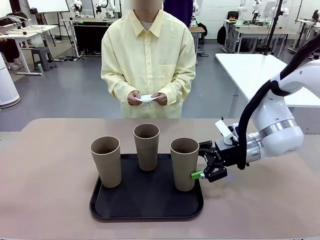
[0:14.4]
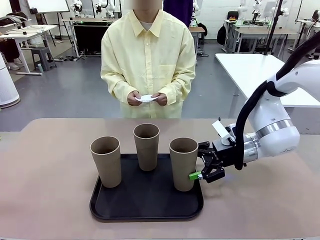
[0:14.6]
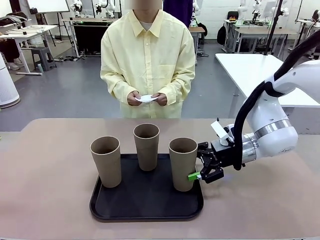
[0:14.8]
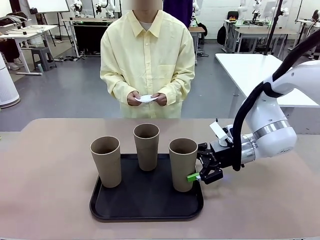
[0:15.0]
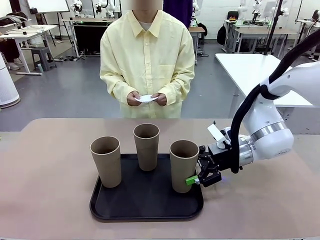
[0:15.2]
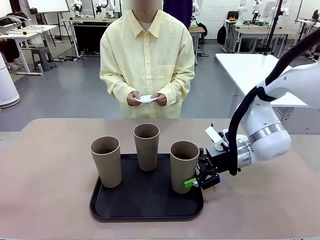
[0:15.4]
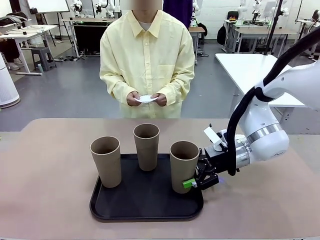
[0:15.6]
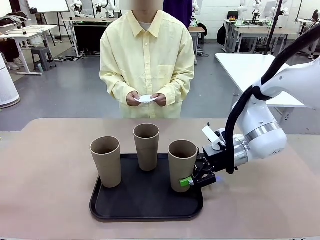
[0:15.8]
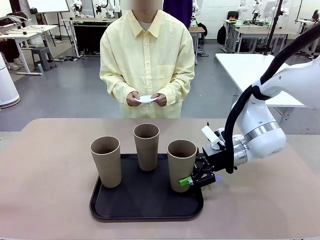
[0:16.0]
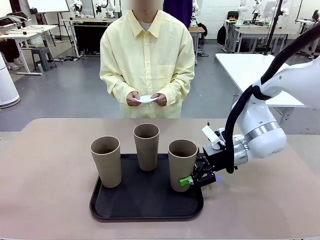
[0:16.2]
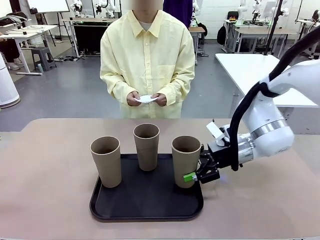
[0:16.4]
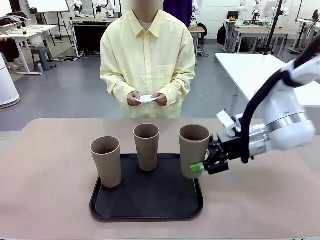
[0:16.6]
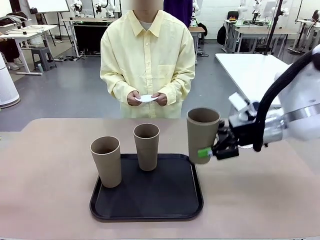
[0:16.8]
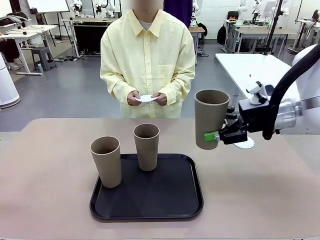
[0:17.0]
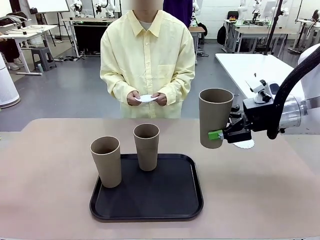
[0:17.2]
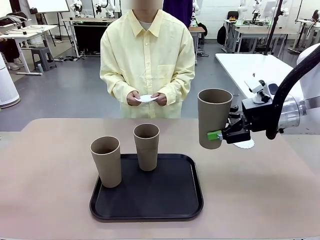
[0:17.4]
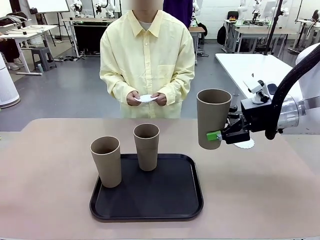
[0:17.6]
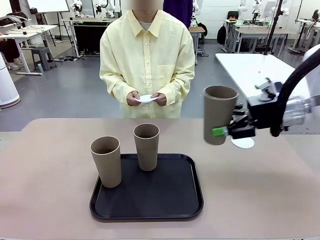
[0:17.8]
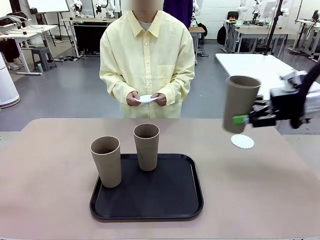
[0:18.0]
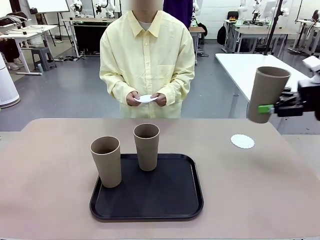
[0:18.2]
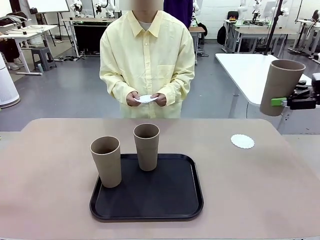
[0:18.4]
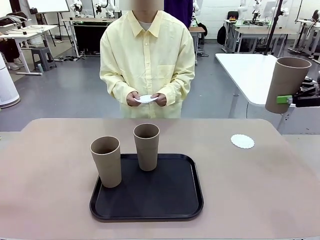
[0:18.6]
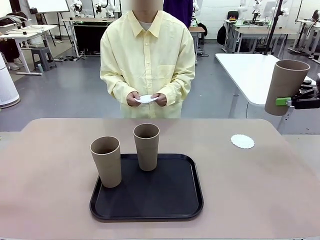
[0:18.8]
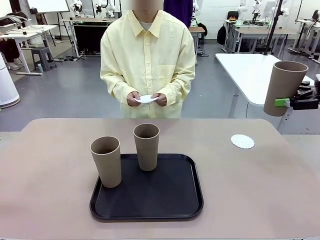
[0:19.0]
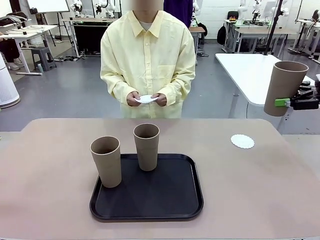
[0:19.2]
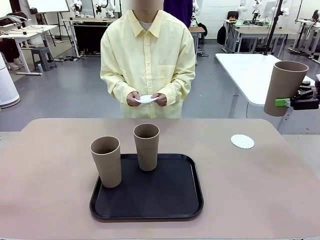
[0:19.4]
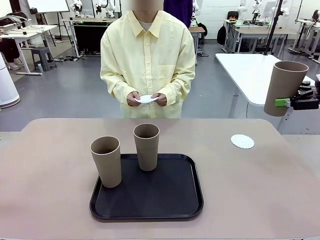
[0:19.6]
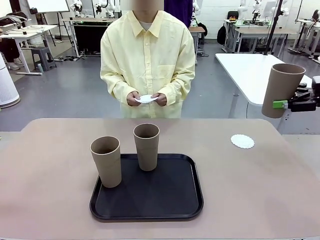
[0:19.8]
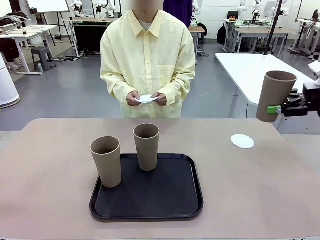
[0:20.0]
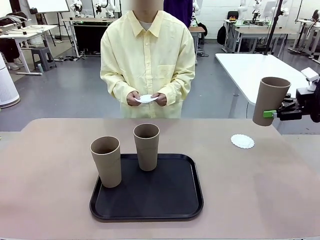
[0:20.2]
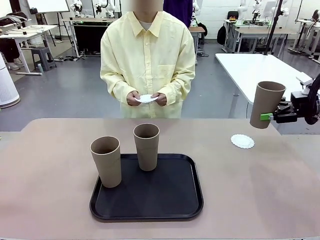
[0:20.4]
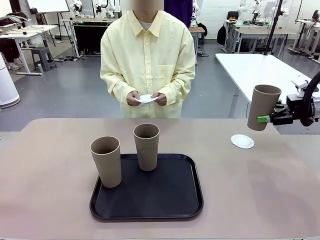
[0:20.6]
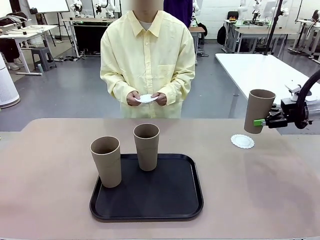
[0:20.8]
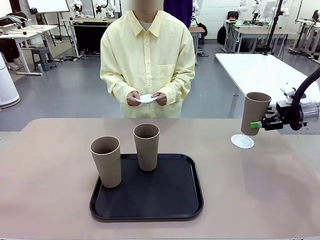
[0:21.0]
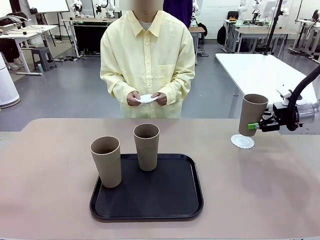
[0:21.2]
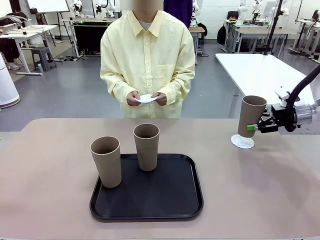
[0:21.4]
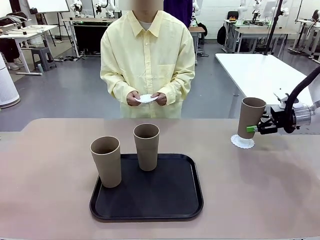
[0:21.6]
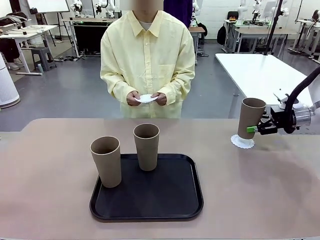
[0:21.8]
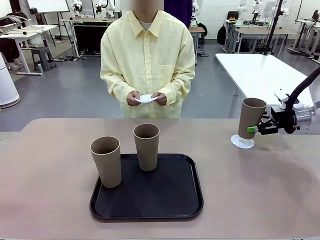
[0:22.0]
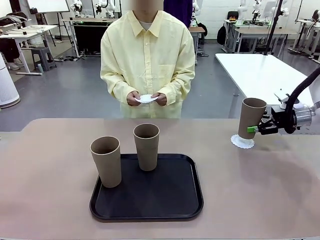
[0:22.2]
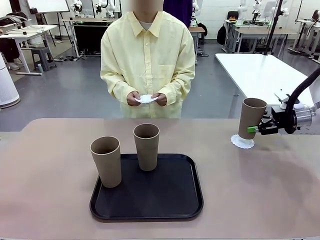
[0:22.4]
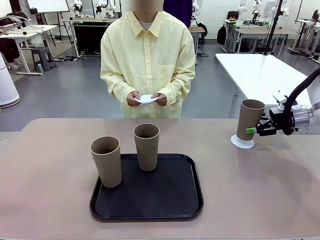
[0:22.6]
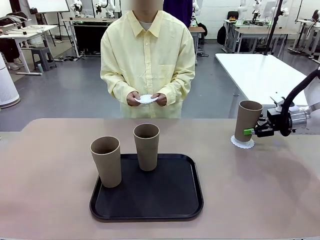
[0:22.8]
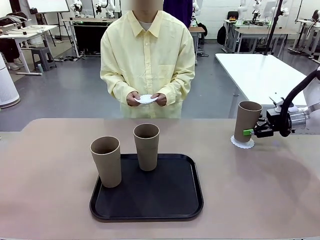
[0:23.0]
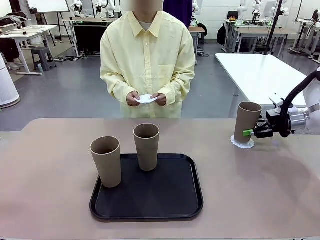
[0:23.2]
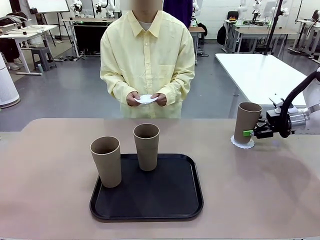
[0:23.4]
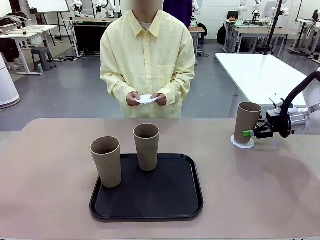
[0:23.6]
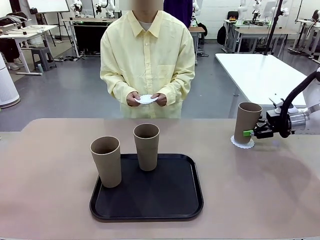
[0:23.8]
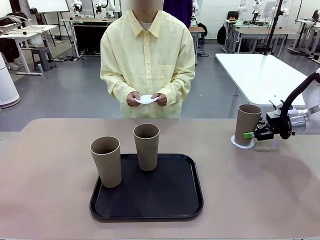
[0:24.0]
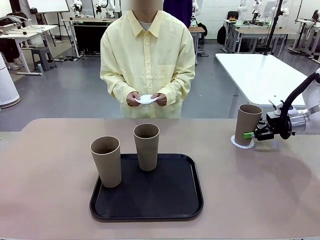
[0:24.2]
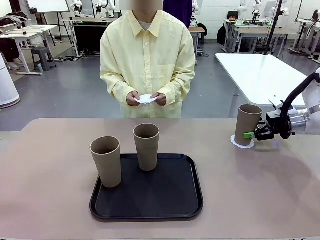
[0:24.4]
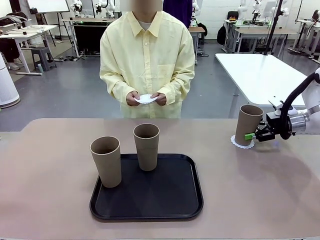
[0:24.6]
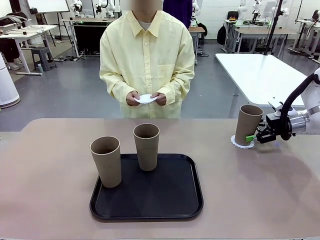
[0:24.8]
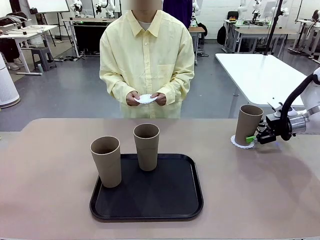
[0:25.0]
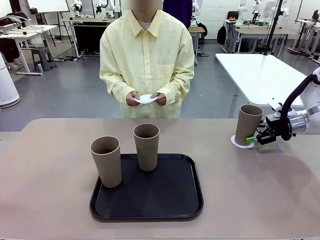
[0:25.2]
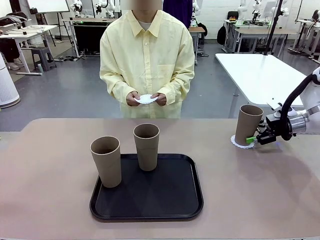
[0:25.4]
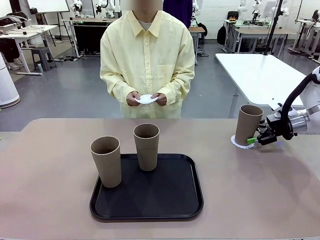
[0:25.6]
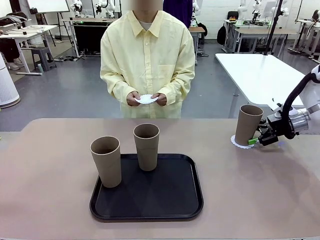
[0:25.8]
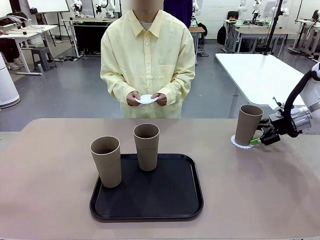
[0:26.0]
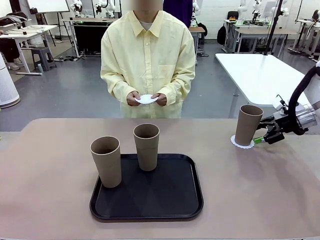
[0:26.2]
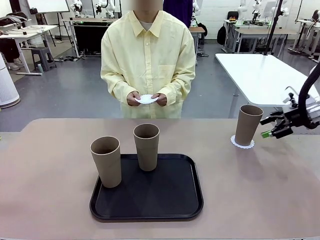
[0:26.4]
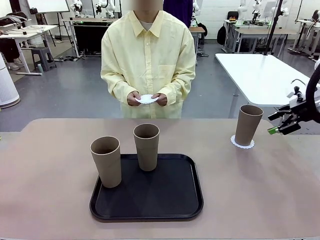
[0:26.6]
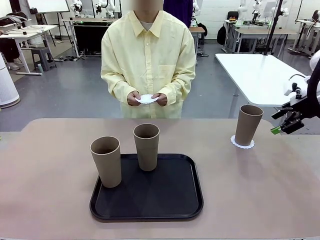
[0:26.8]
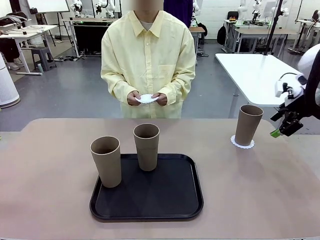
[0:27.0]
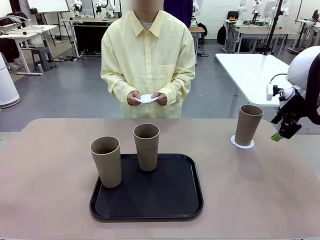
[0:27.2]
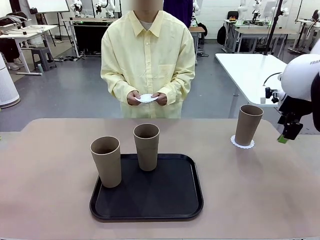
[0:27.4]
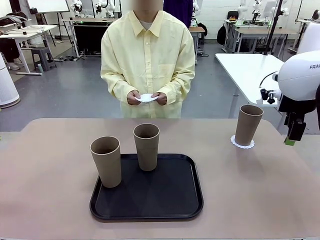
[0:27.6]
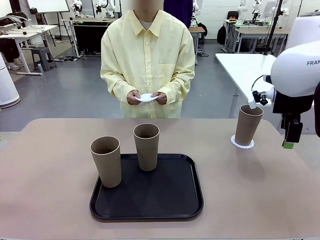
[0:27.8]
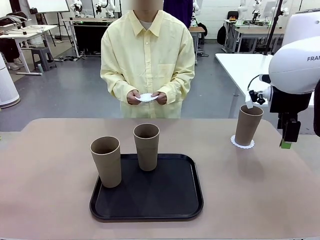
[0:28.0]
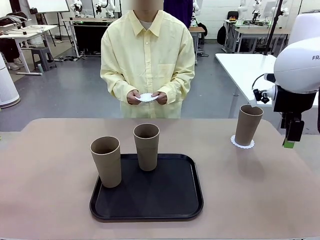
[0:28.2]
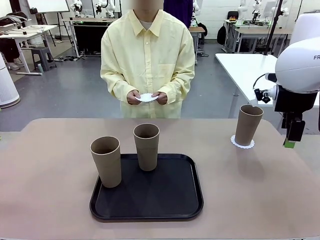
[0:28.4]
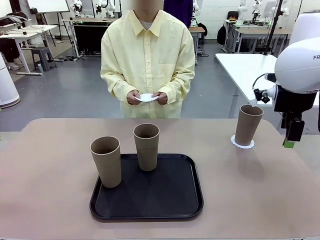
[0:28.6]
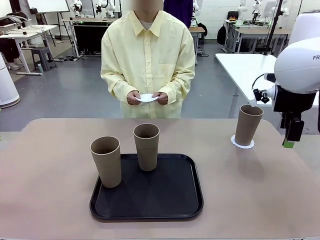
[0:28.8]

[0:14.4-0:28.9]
Task: Place coasters on the table and set cups on them.
Robot: Pick up one Reusable plastic cup and place it on a coaster set by the human.
Person: Place one coaster in one of the two areas excluding the previously selected area.

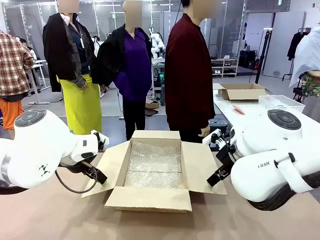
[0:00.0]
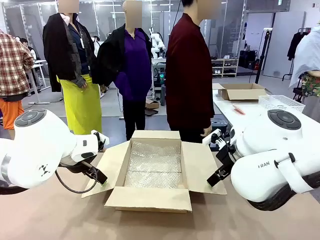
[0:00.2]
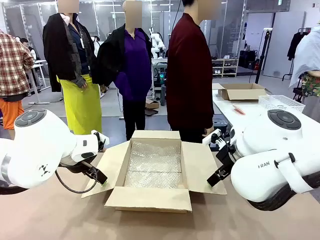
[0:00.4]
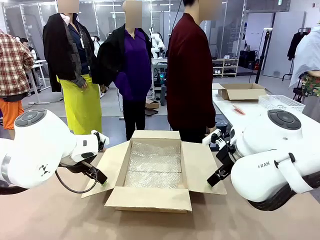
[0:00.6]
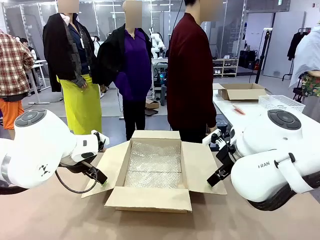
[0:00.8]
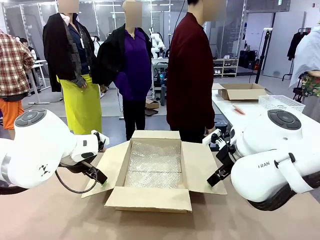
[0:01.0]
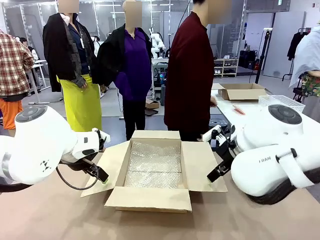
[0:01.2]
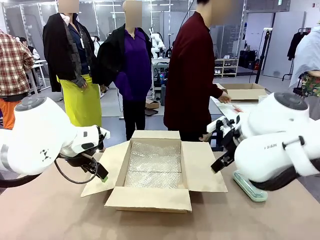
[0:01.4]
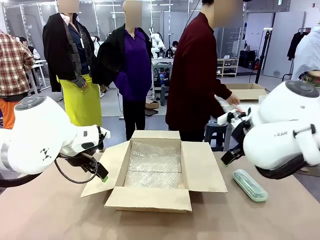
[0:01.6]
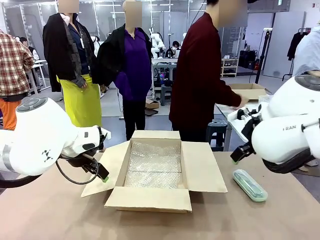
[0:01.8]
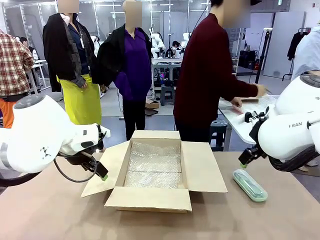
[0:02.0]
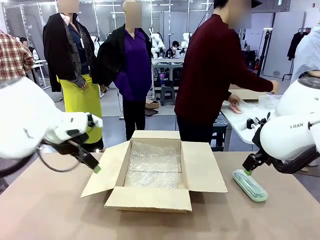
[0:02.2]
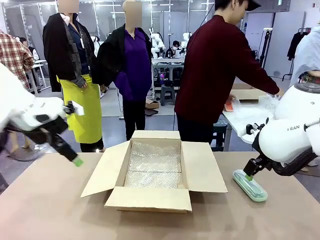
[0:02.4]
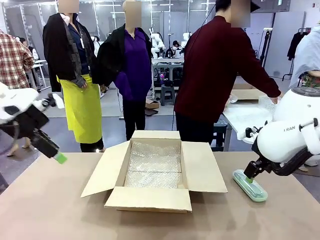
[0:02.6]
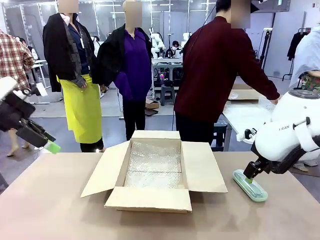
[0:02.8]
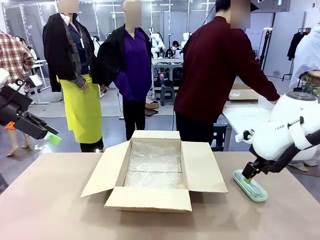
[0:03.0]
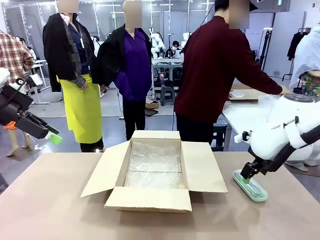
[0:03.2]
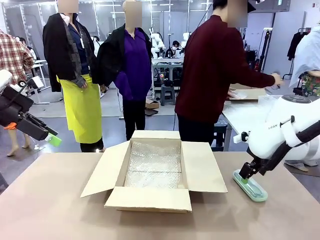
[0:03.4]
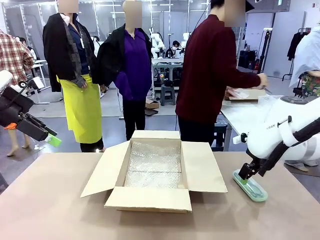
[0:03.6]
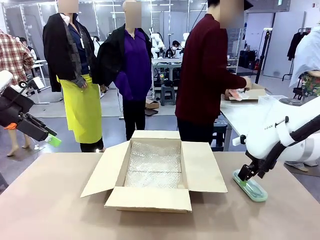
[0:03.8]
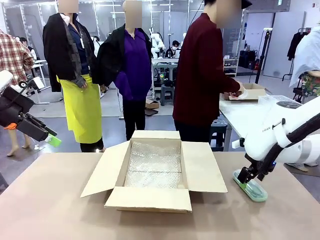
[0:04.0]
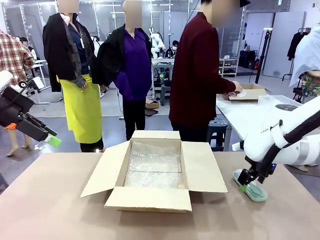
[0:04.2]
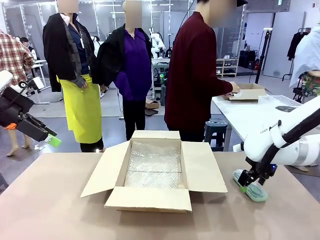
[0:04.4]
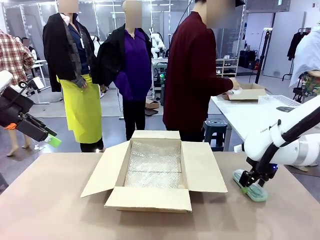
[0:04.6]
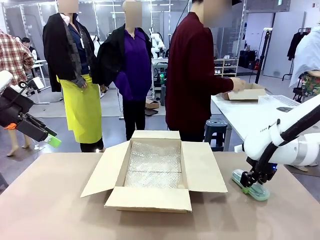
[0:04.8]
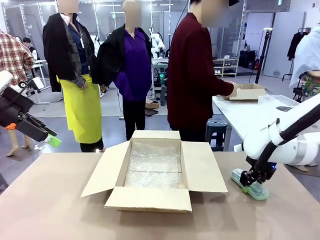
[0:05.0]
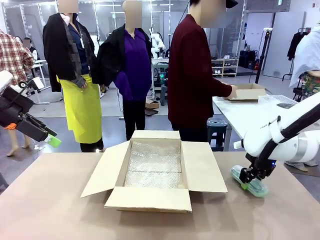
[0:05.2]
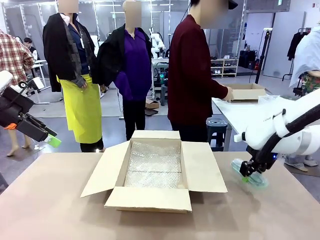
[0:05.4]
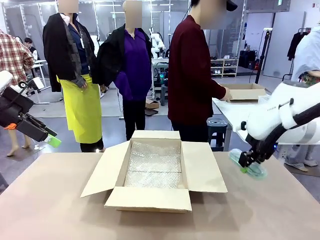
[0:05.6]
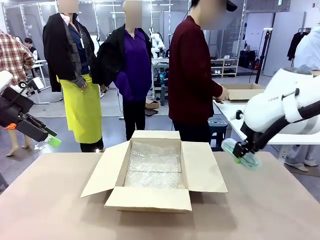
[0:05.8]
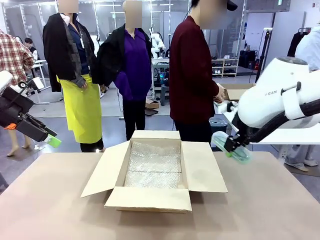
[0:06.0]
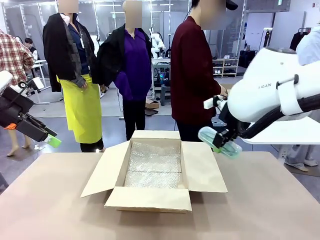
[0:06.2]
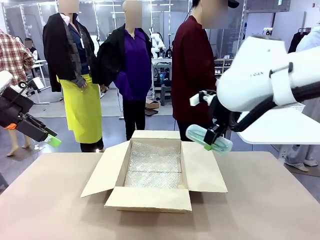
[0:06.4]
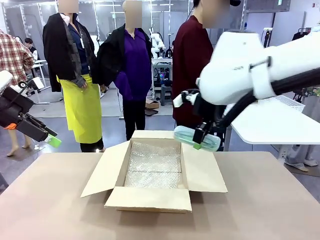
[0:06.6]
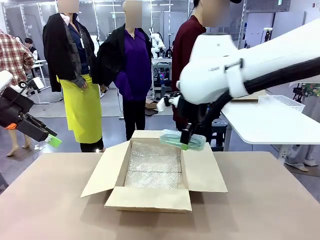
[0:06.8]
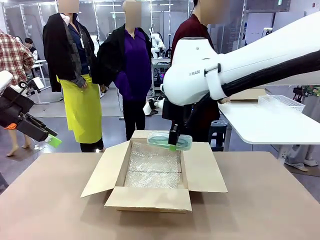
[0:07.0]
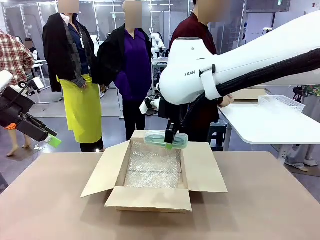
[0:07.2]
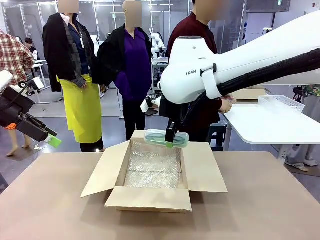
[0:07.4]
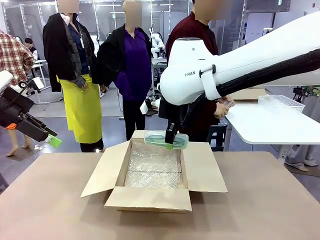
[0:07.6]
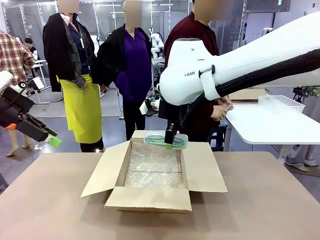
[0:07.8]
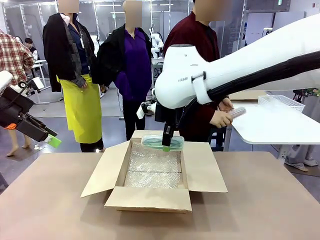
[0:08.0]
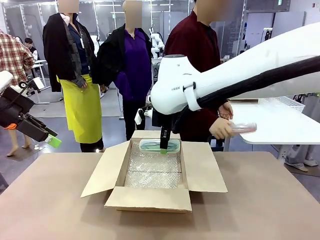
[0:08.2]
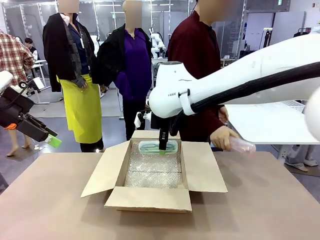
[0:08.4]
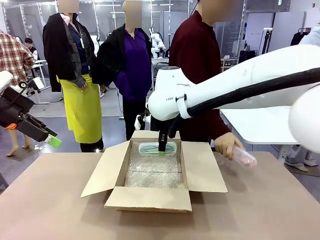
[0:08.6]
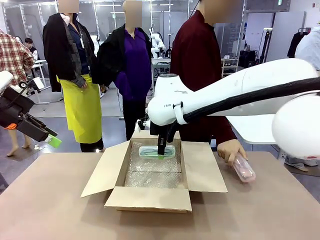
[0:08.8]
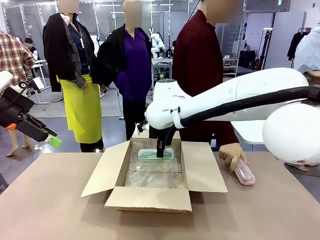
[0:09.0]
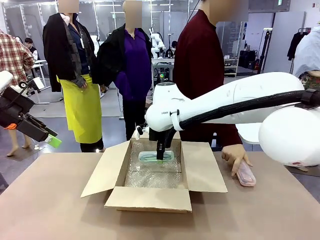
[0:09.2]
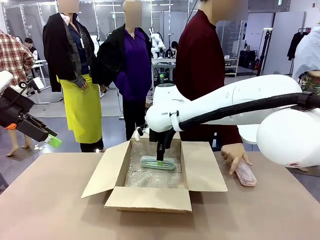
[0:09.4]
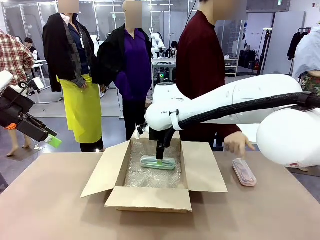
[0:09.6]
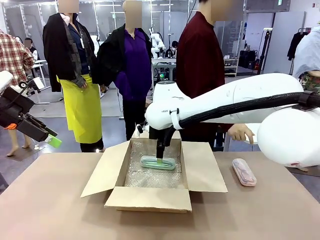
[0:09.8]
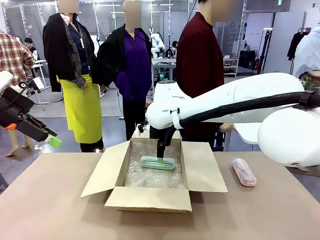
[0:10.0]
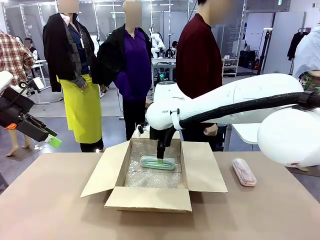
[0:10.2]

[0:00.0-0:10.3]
Task: Pack the glasses set securely to prepare it for shipping.
Robot: Place the Glasses case inside the Package Box.
Person: Place the Glasses inside the Glasses case. Position the Glasses case on the left side of the robot's table.
